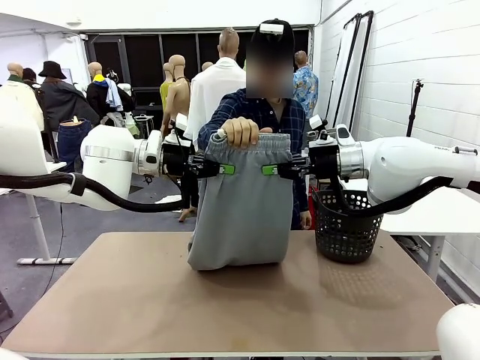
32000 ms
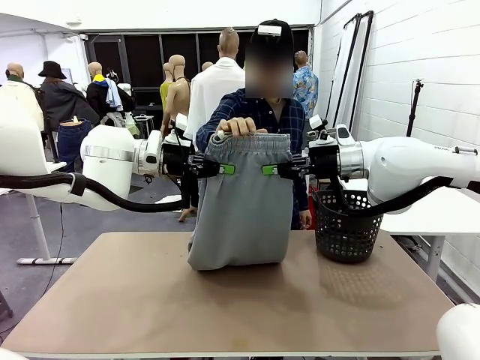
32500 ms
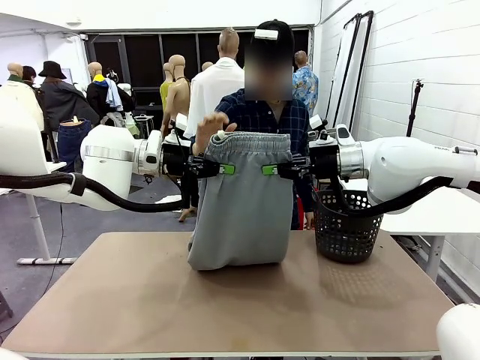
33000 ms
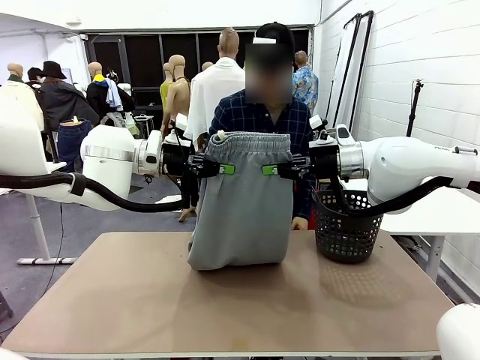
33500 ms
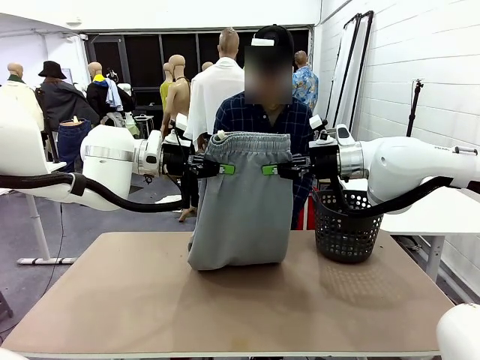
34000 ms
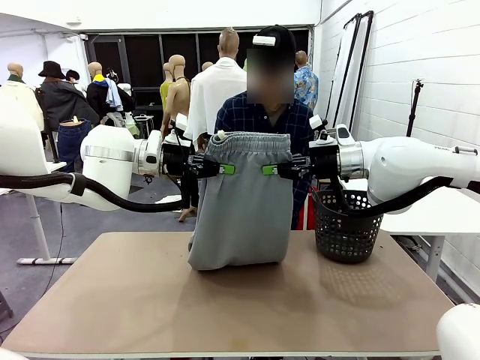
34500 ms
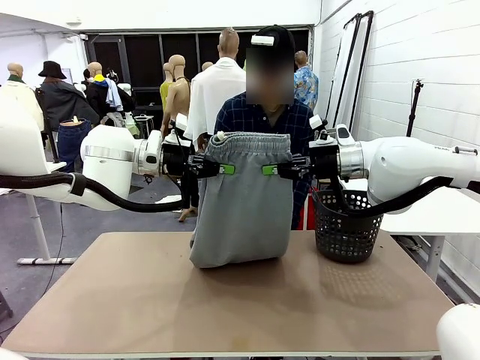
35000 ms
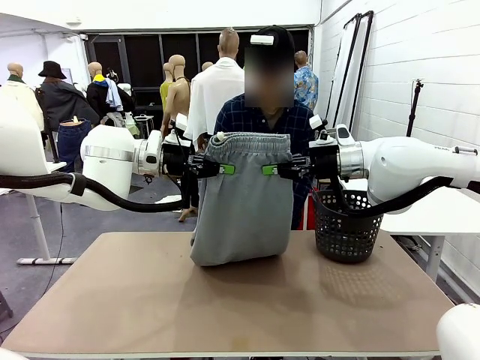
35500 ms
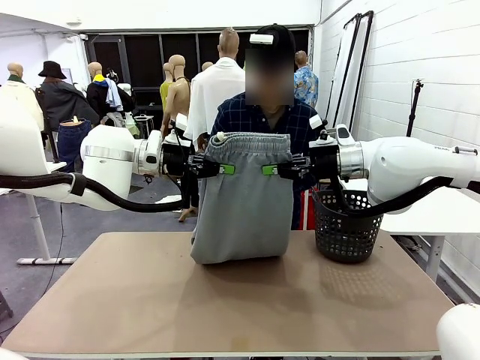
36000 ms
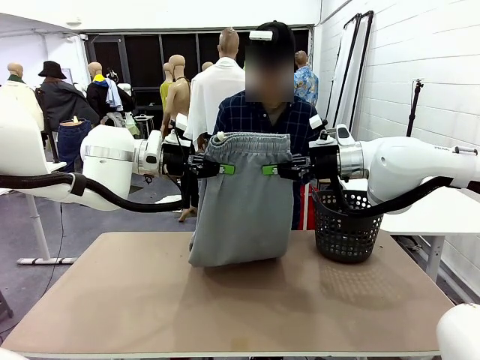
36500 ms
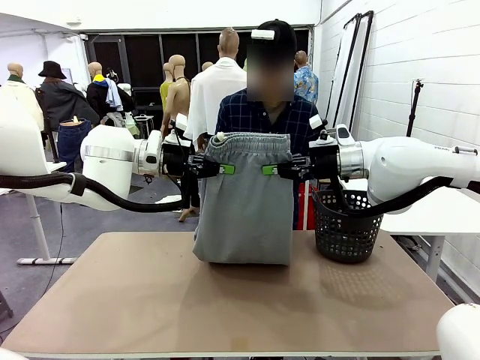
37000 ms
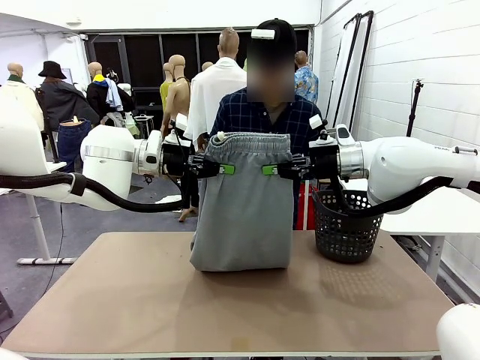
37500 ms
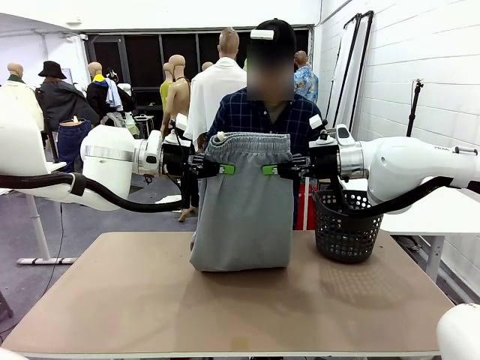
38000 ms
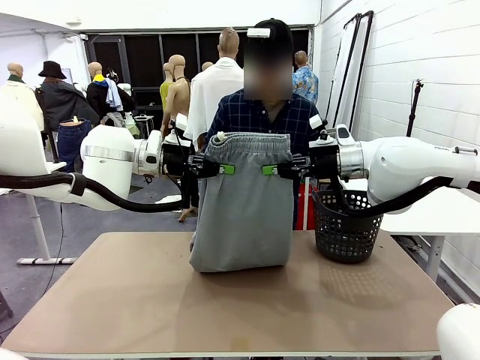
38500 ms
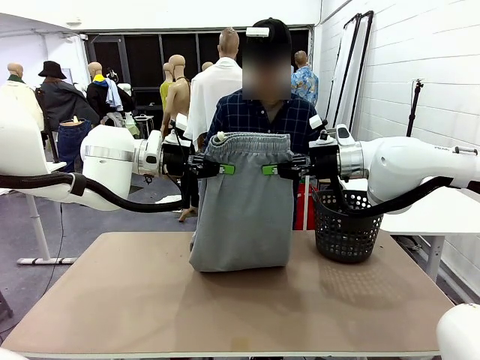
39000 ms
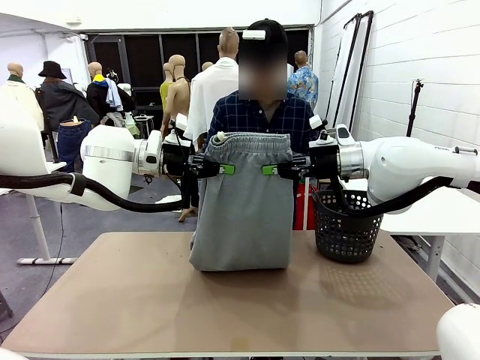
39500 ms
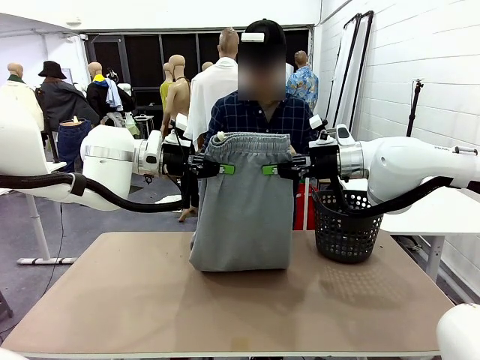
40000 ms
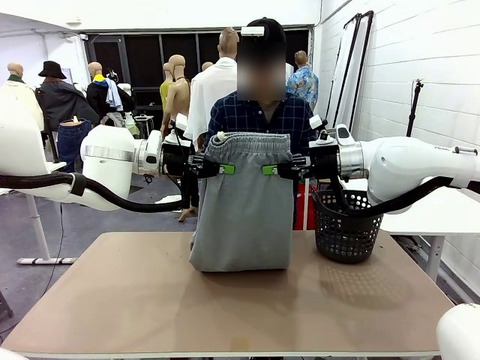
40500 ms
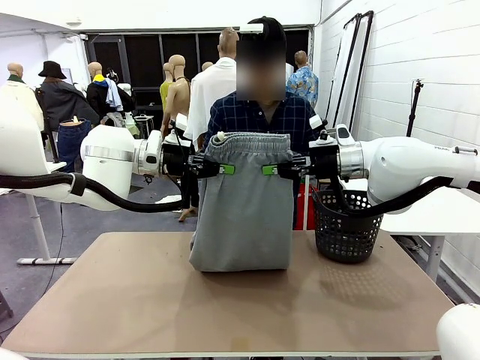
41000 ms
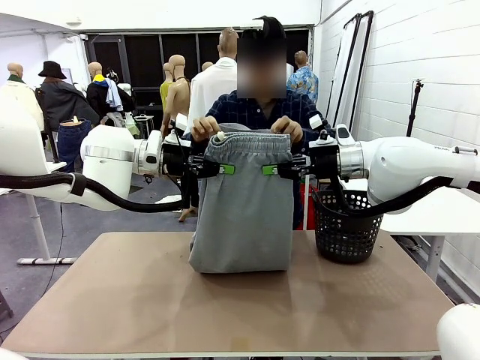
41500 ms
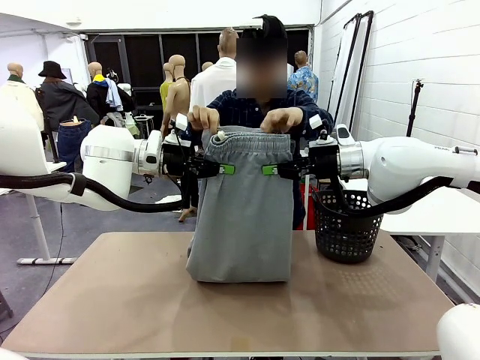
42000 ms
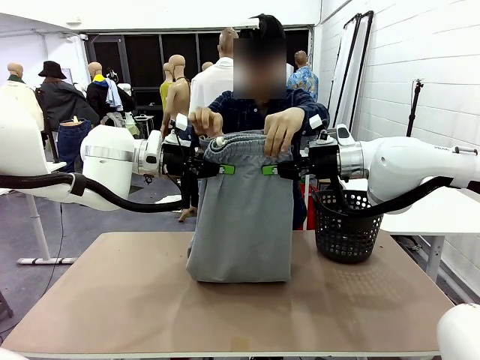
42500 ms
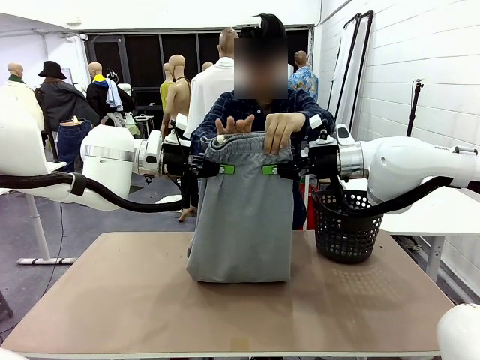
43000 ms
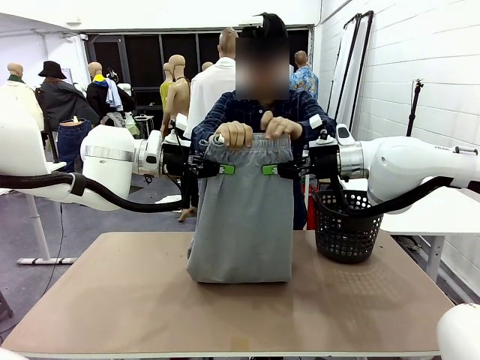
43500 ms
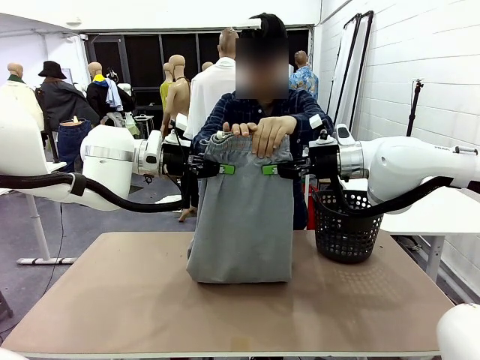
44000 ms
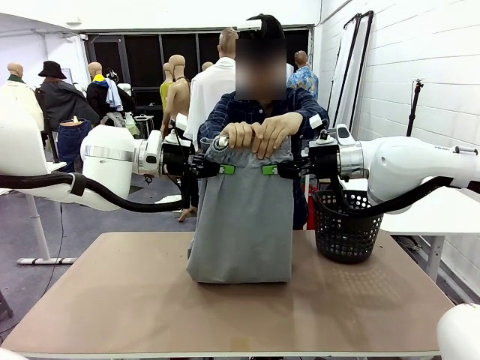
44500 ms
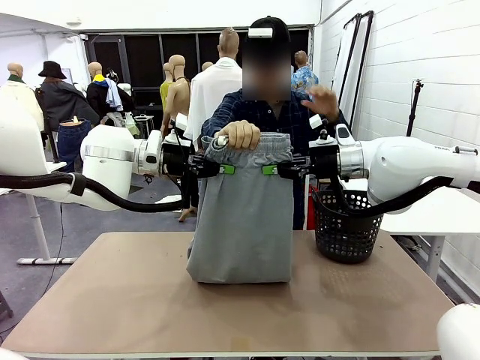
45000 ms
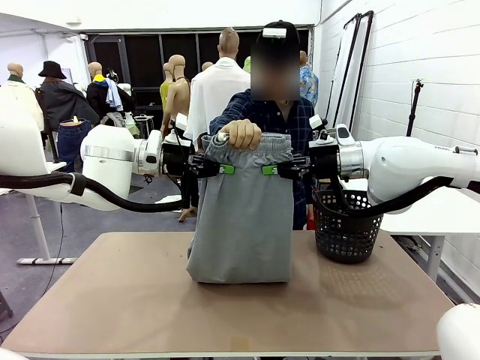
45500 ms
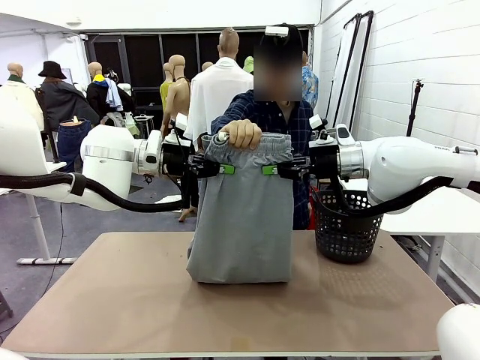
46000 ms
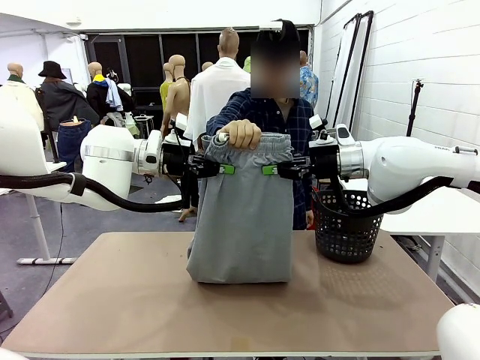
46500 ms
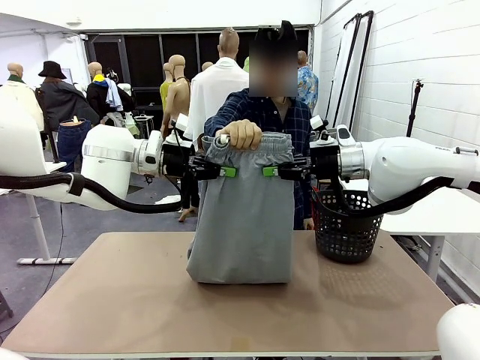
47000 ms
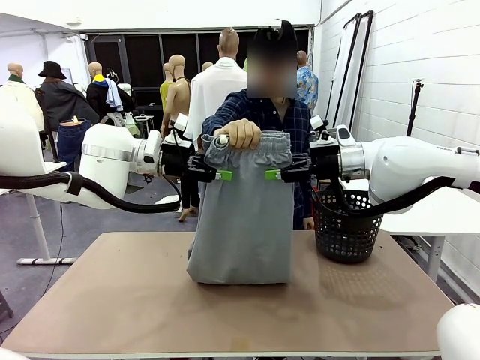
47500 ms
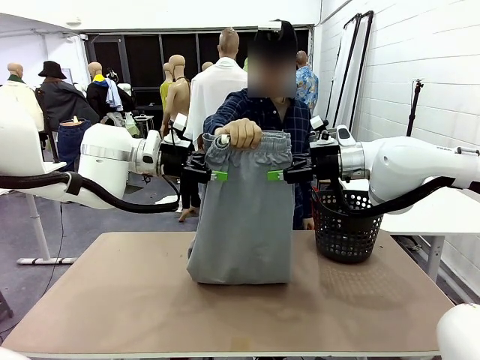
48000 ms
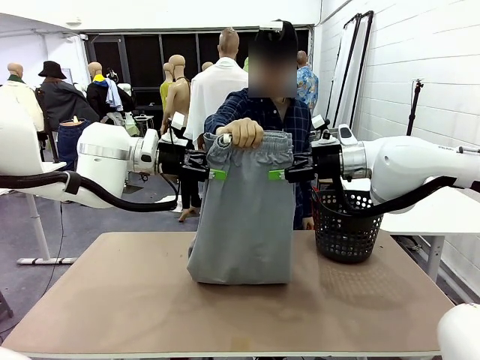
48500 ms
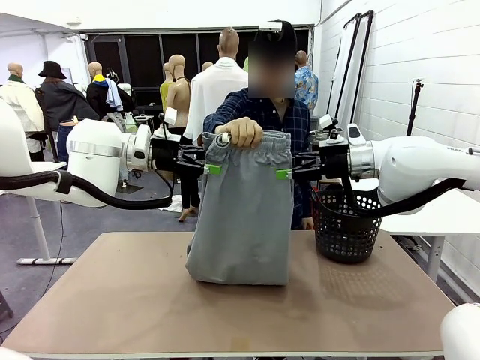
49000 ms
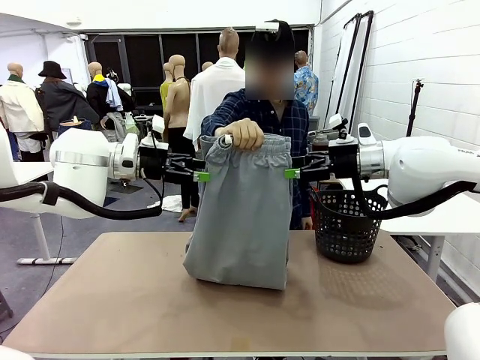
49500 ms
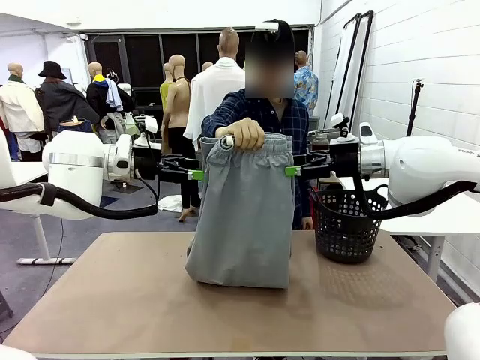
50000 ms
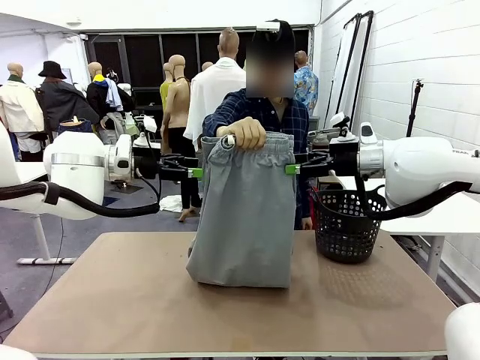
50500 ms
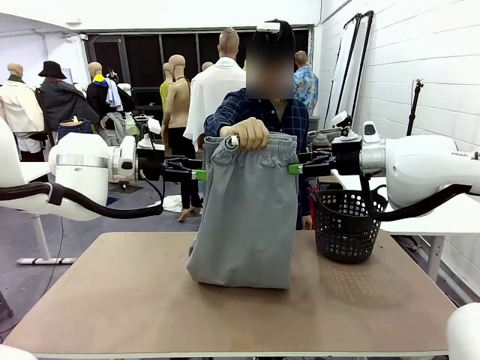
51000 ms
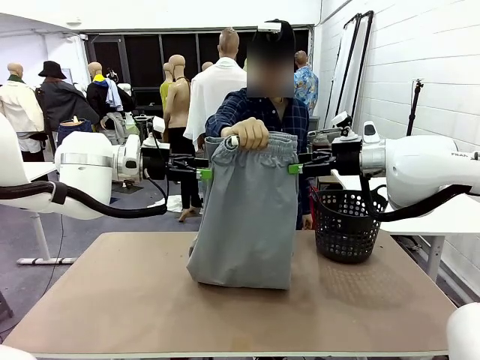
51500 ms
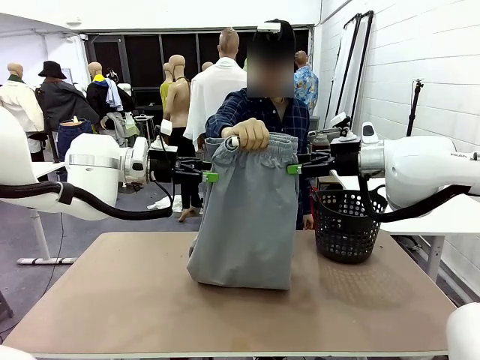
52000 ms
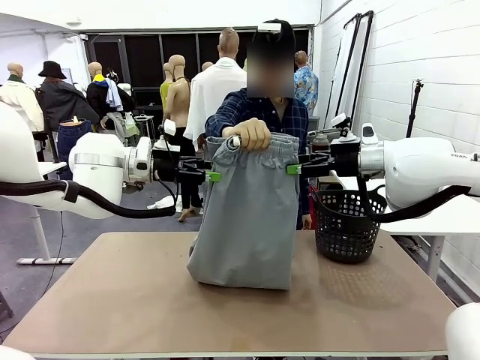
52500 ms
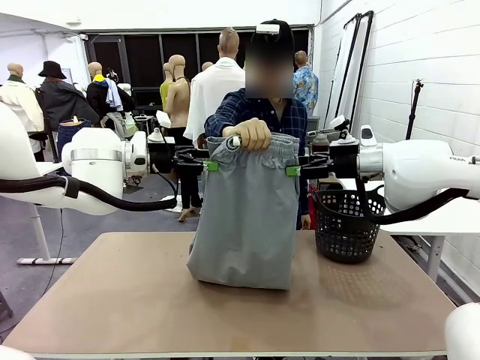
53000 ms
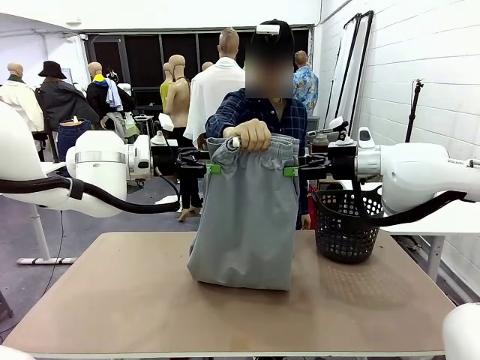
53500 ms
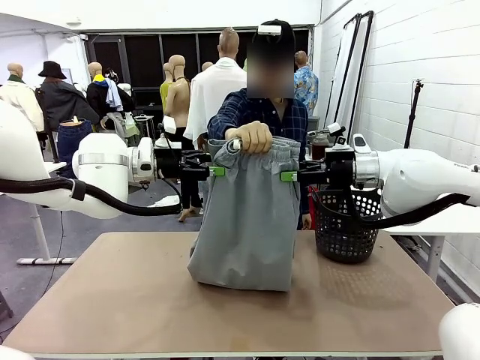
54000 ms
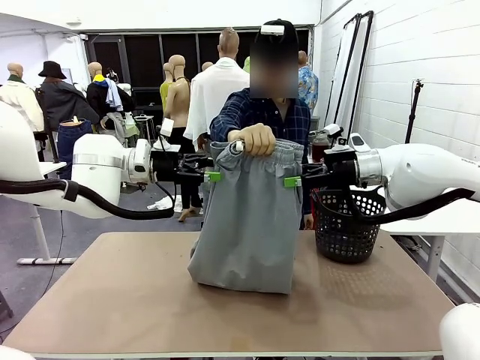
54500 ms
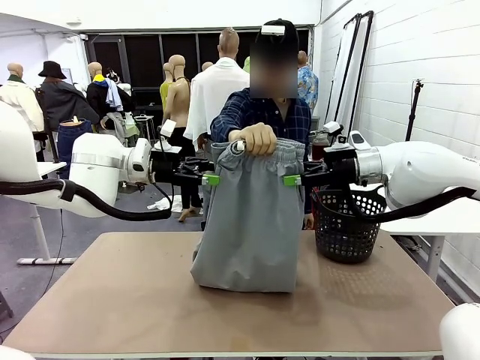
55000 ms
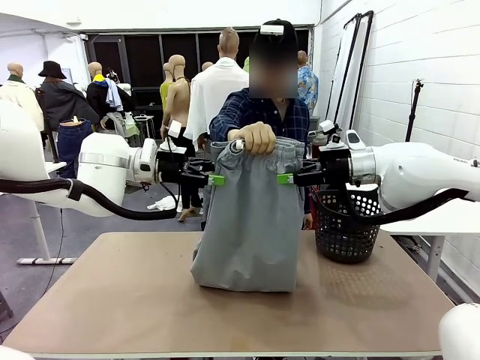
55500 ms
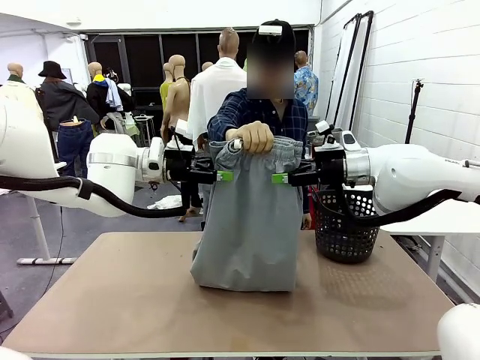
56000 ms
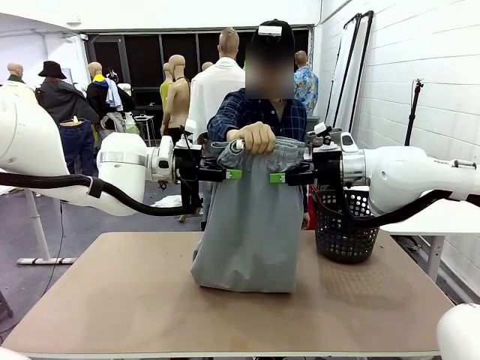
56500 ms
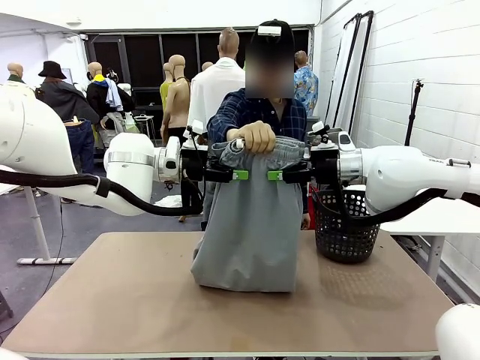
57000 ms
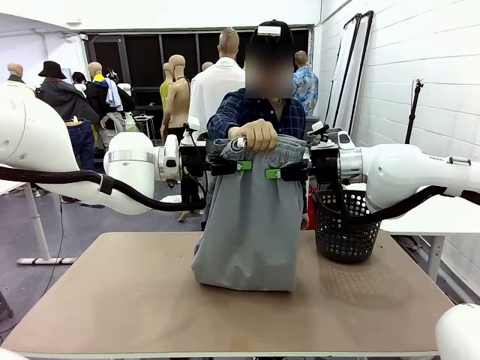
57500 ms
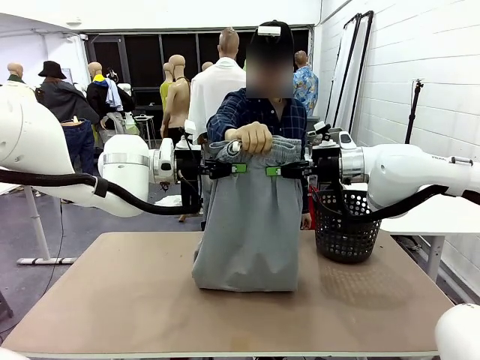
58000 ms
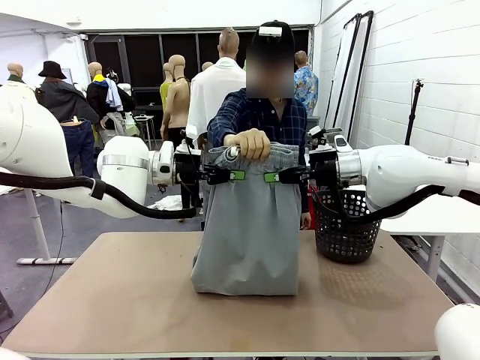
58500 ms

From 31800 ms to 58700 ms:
Task: Fold the training pants.
Robot: Release the ends of the Training pants and then grab the overlapped ends.
Person: Grasp the end opposite the point the robot is holding, fold the pants in half, and then grasp the overlapping top end of the folded pants. Release the pants you were holding.
